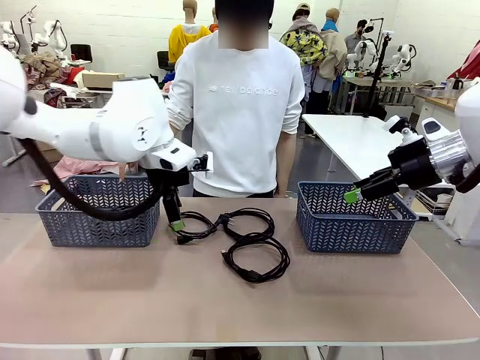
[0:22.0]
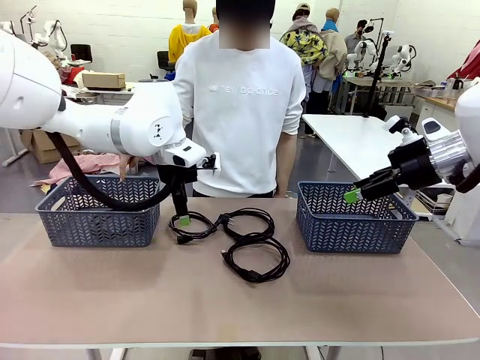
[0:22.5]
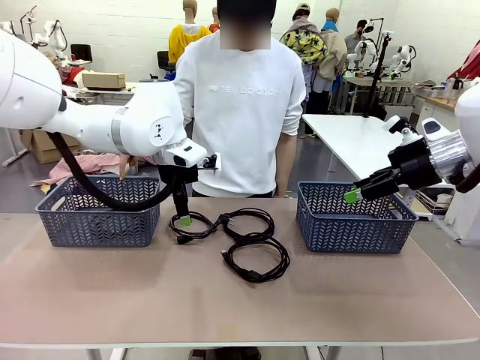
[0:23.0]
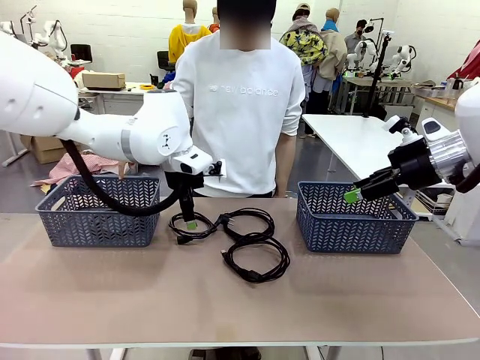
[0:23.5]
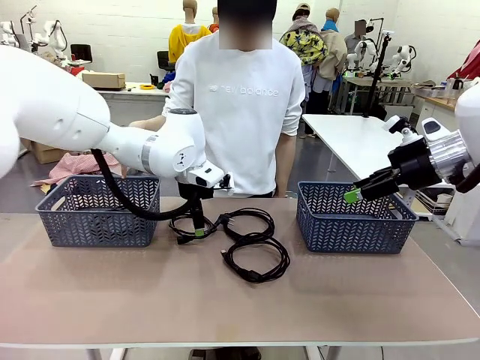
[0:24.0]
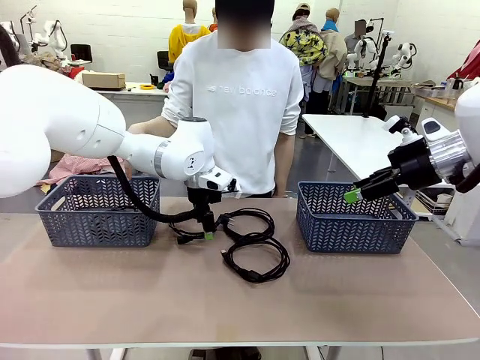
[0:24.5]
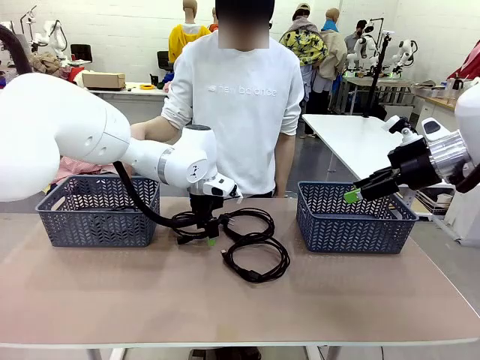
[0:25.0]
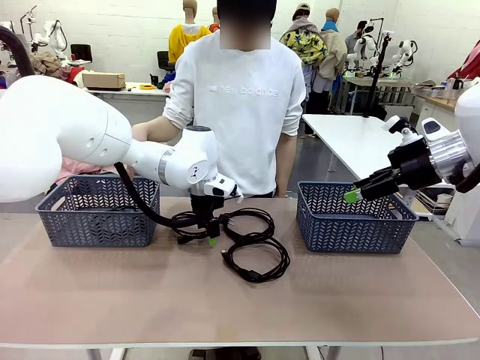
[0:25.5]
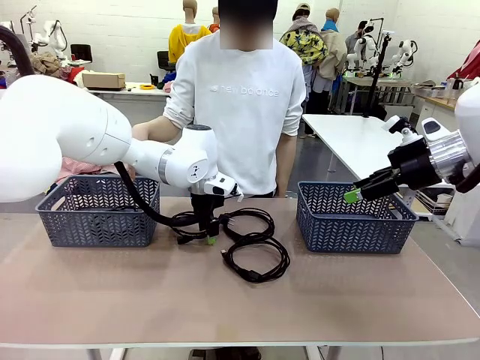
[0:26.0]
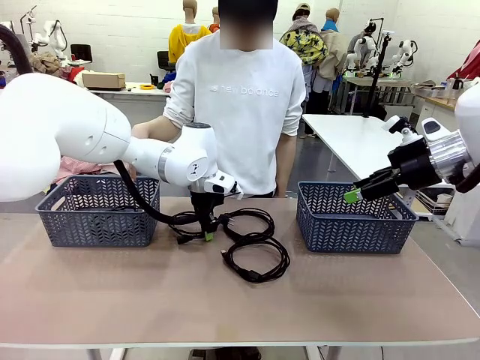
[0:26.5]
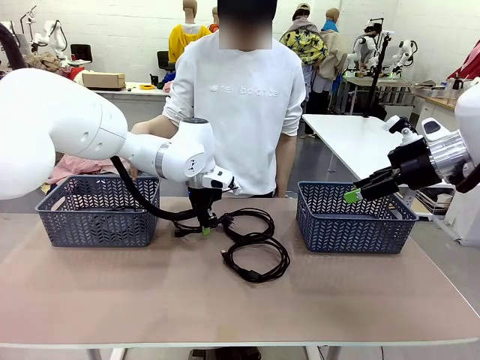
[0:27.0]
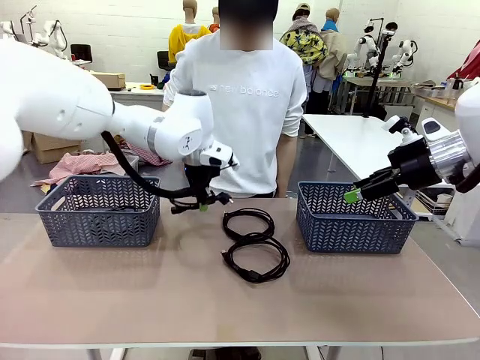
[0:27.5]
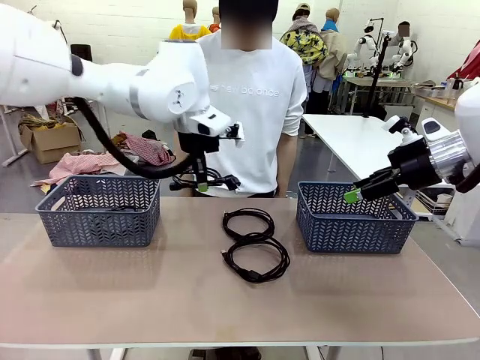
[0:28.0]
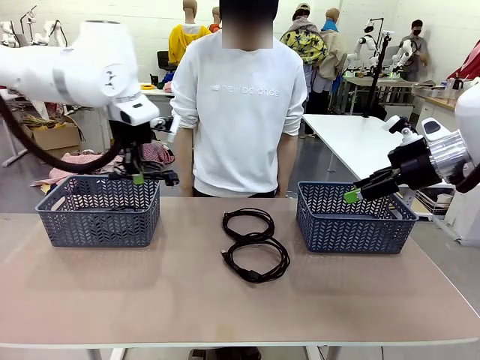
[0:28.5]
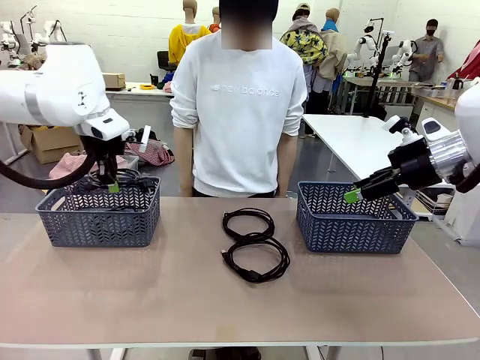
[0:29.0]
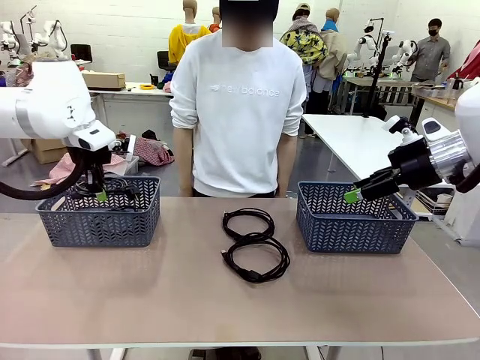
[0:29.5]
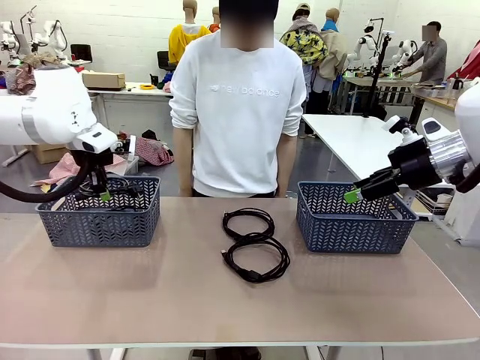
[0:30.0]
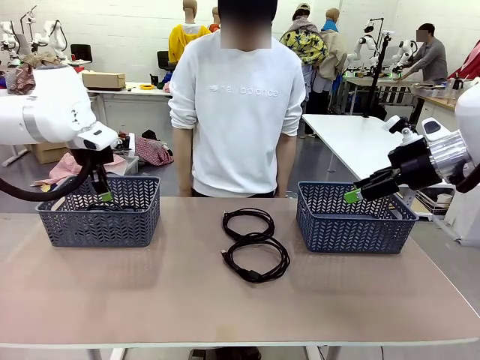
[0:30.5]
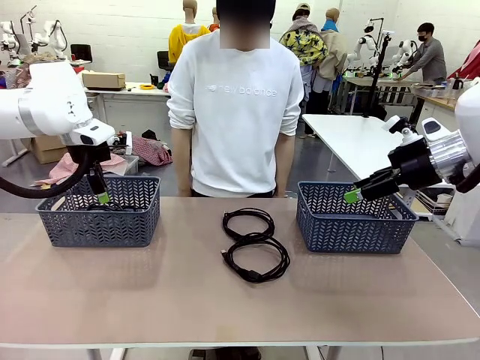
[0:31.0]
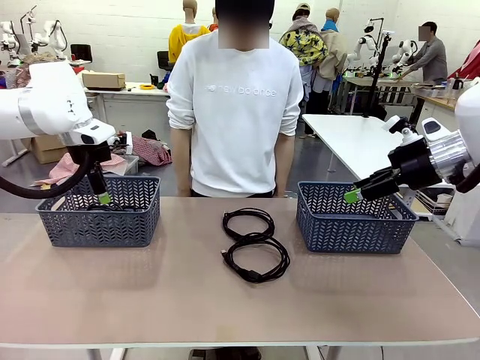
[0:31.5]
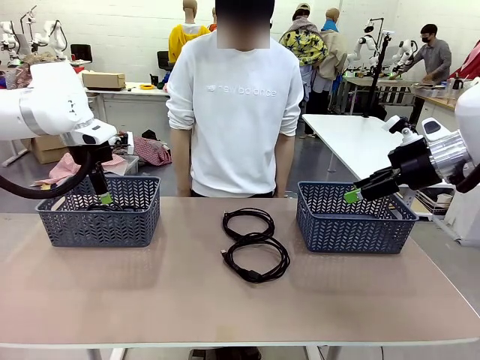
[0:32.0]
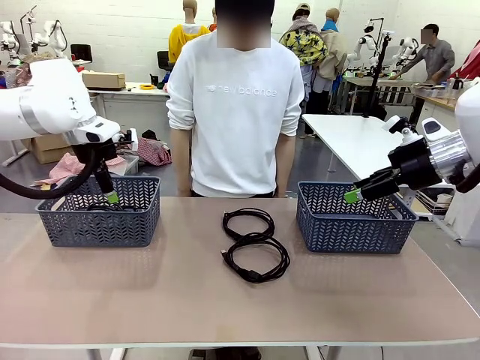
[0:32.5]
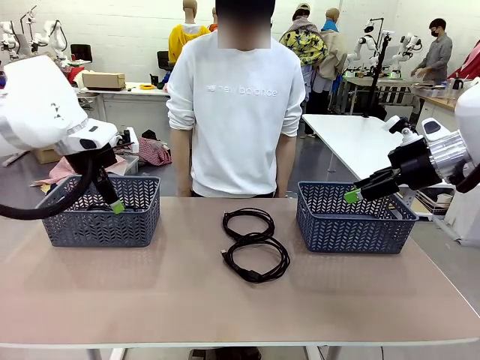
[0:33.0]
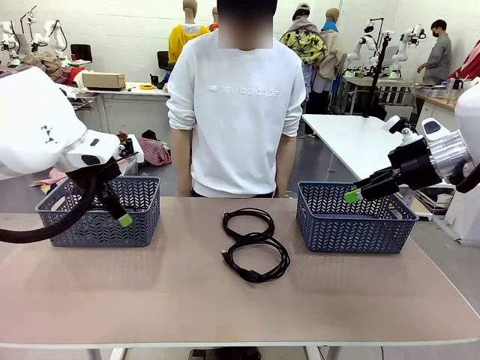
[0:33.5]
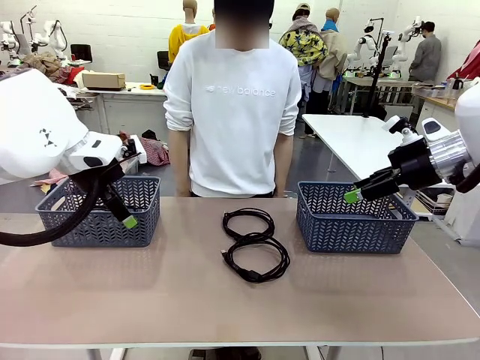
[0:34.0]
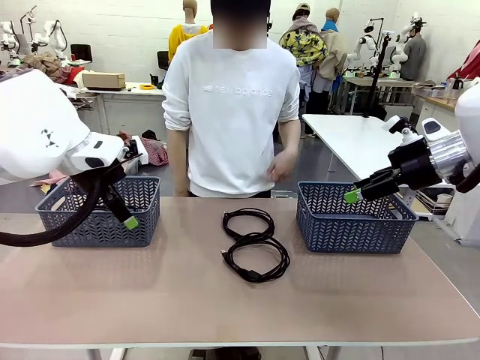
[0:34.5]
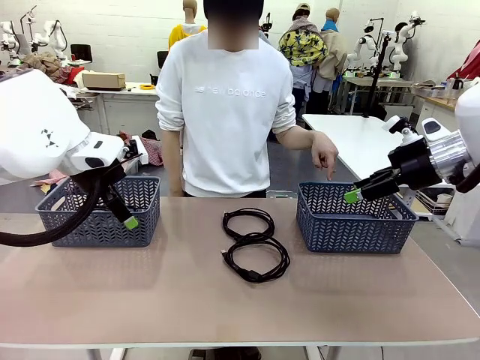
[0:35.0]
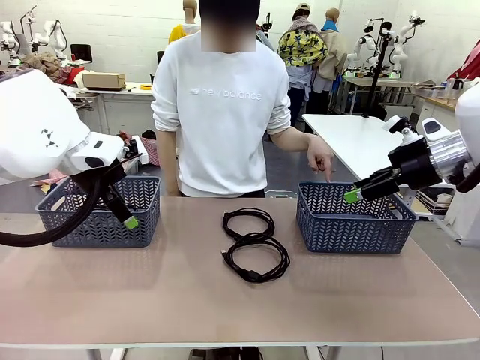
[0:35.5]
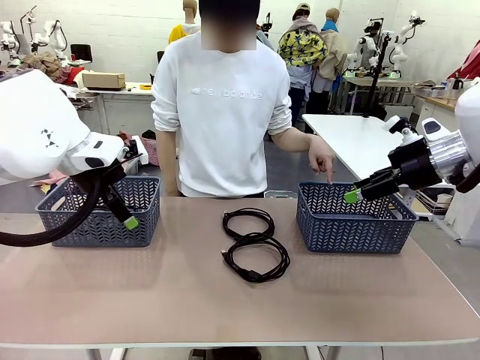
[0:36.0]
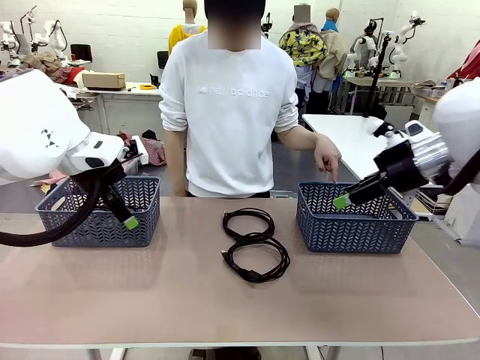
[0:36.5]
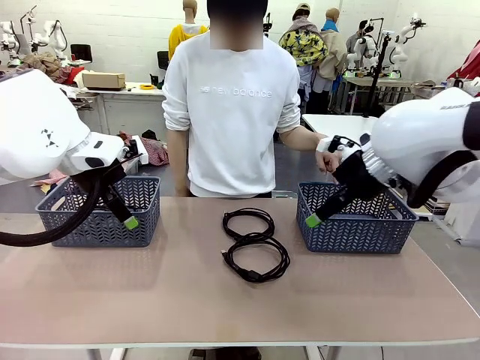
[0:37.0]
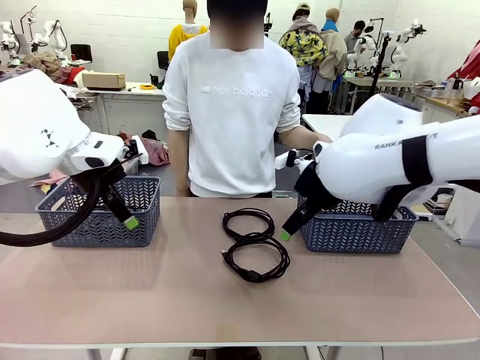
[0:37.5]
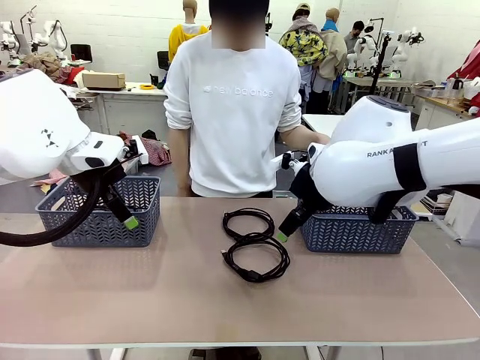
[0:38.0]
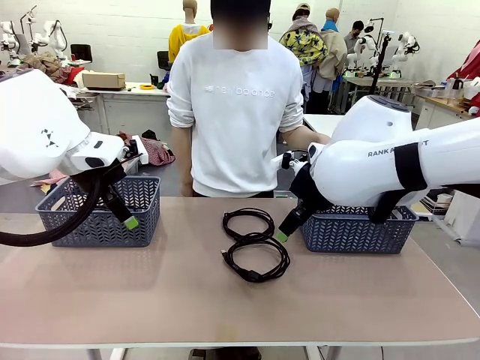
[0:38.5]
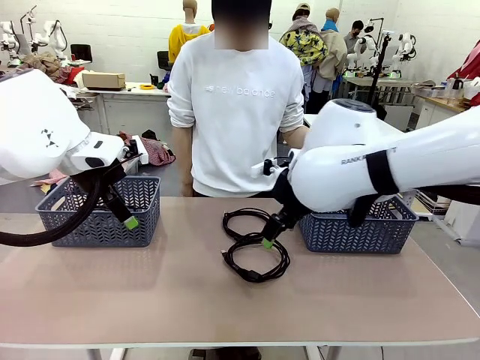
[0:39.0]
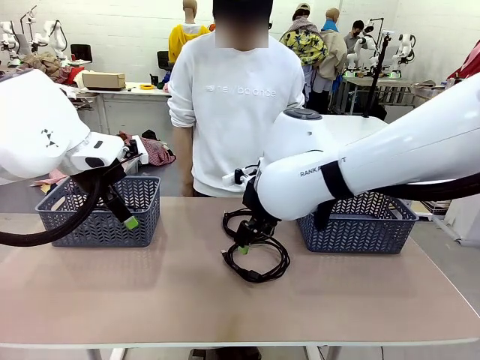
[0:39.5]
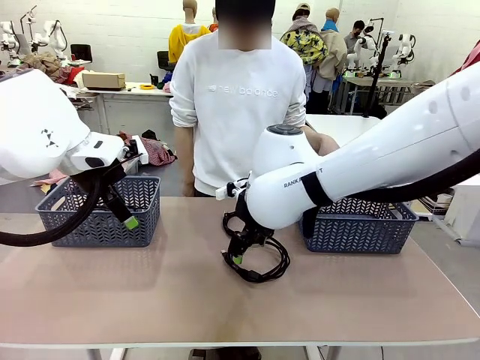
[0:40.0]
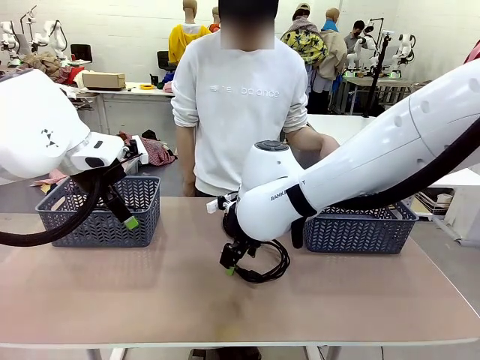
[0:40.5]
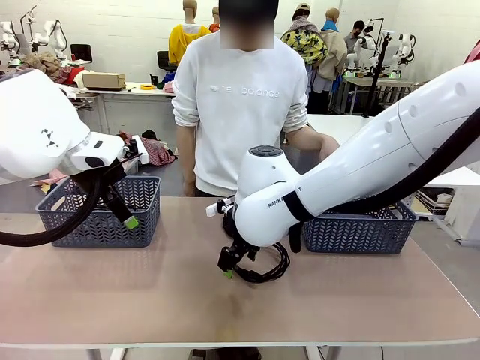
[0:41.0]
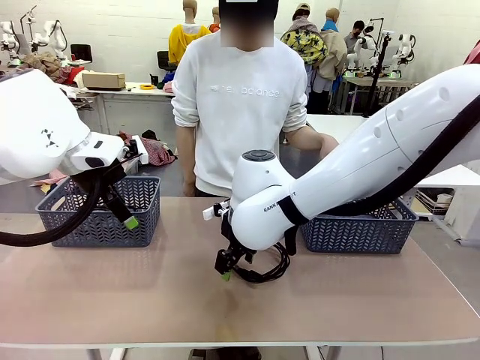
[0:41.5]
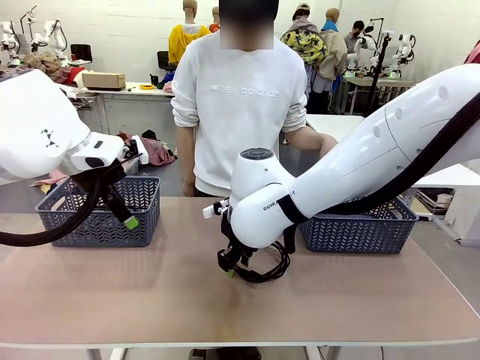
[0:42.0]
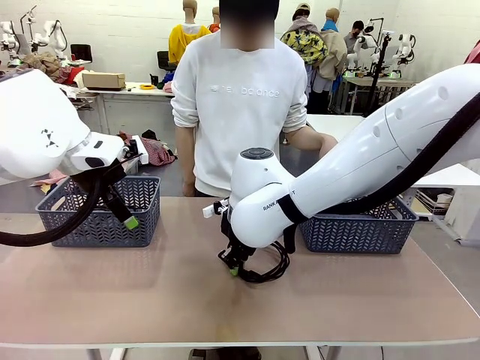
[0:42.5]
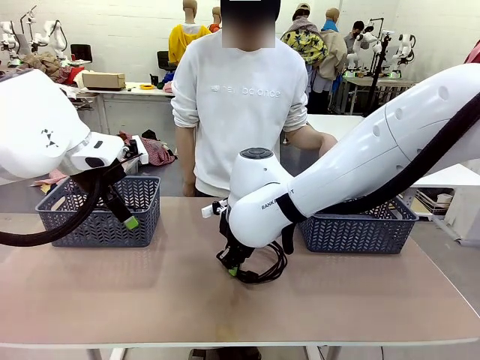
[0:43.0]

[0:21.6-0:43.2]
Task: Organize the cables according to human instructions.
Robot: Pick up a bundle of cables and place it in the basket indicated by the human.

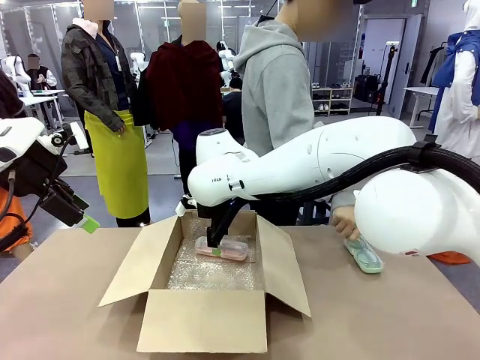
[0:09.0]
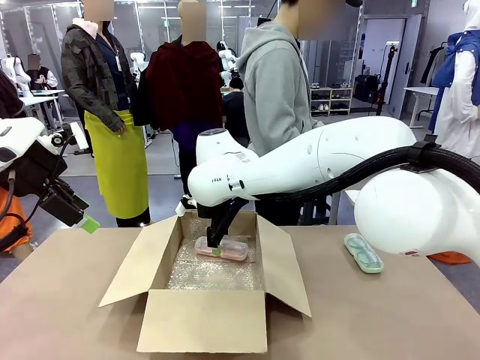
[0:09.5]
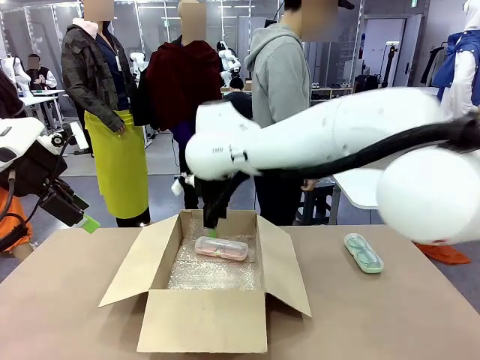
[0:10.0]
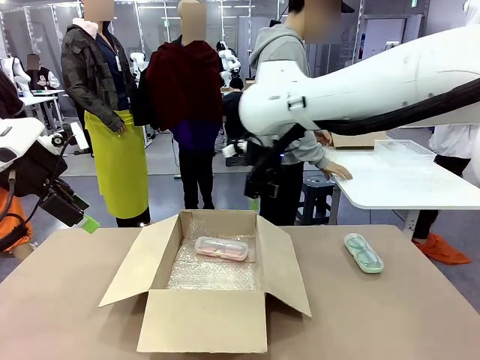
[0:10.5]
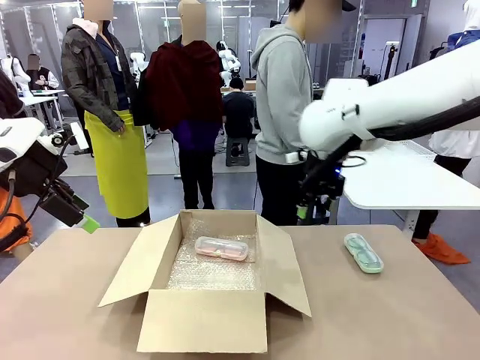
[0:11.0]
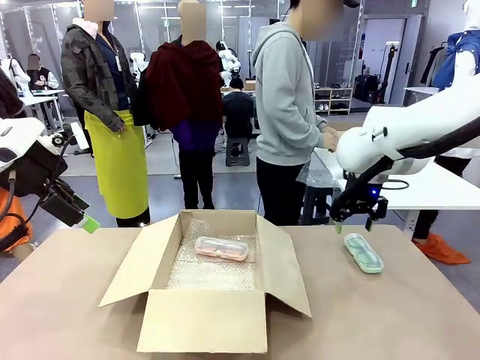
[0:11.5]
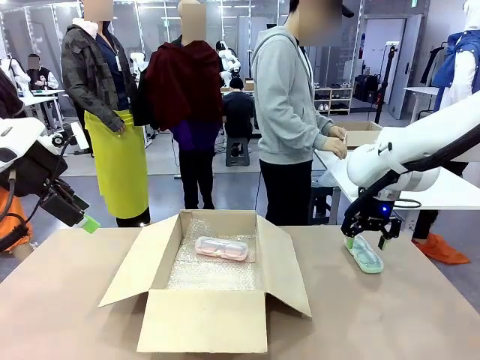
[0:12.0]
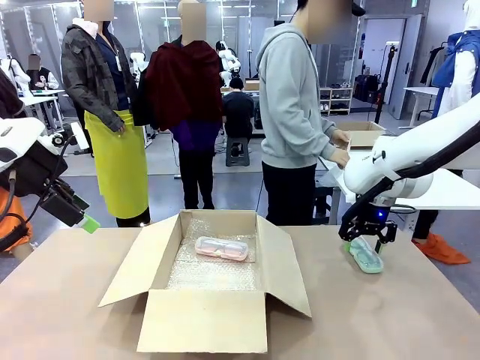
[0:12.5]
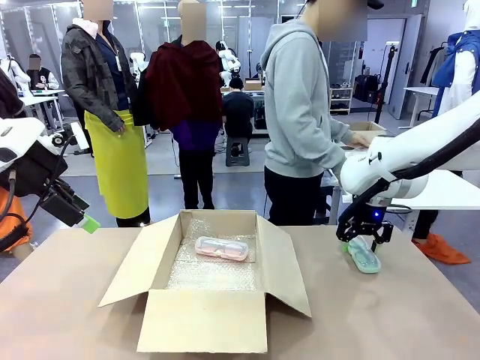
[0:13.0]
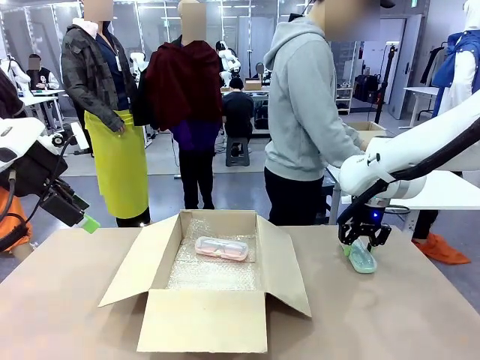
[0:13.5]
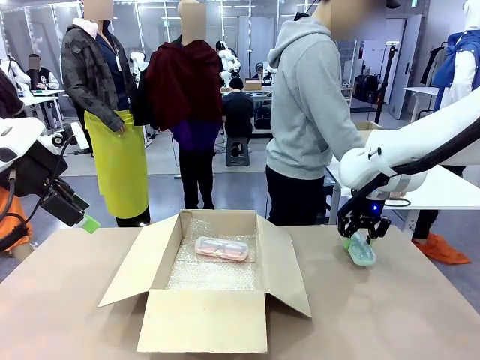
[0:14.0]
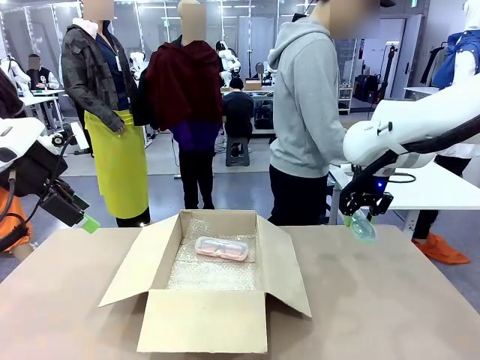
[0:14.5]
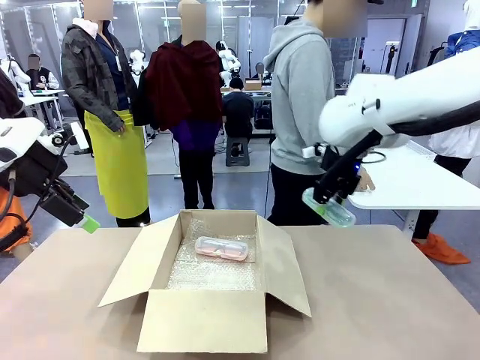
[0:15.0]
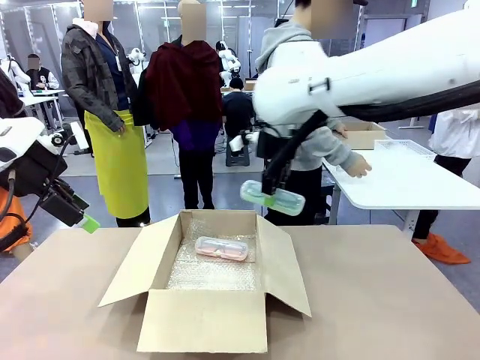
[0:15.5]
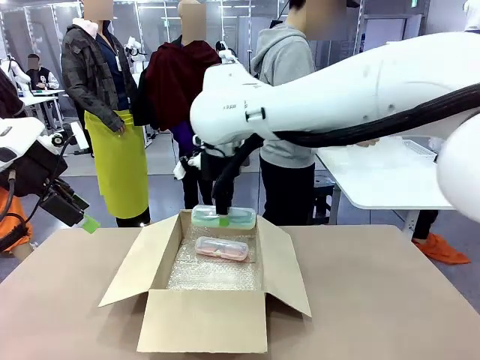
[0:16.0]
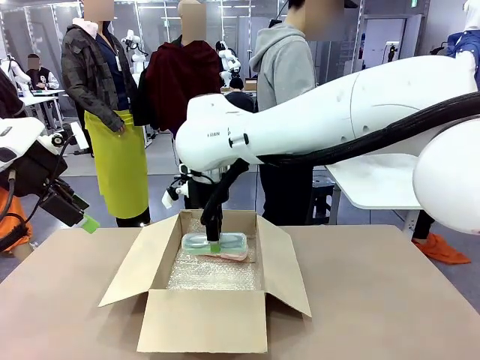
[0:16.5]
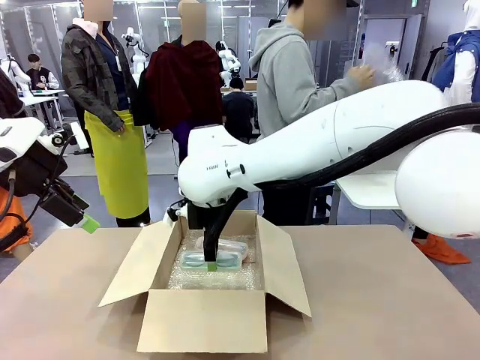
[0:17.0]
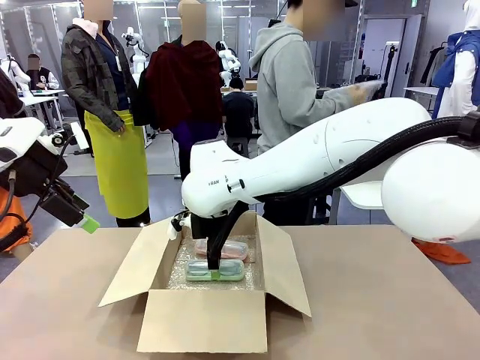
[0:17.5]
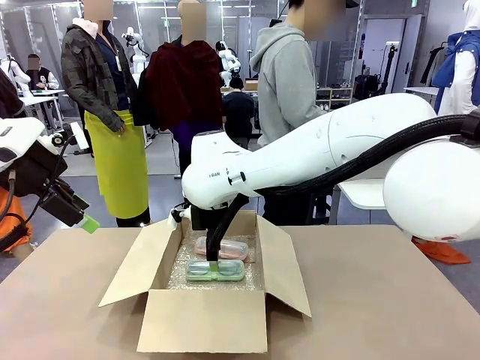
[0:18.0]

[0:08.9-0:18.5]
Task: Pack the glasses set securely to prepare it for shipping.
Robot: Put the Glasses case from the right side of the table into the Package Box.
Person: Position the Glasses case on the left side of the robot's table.
